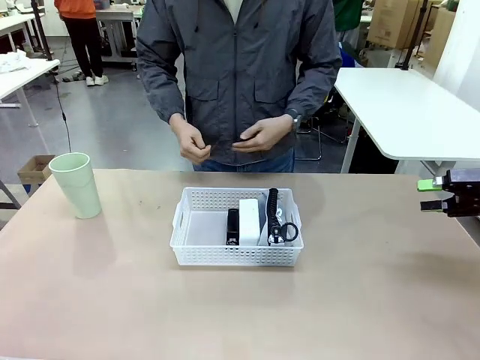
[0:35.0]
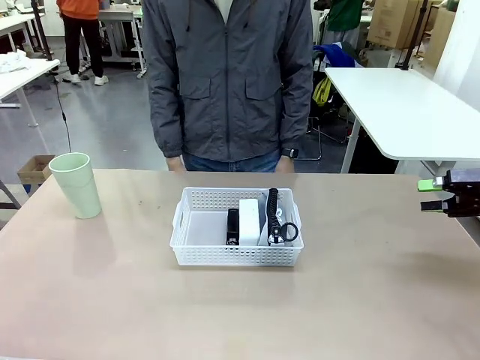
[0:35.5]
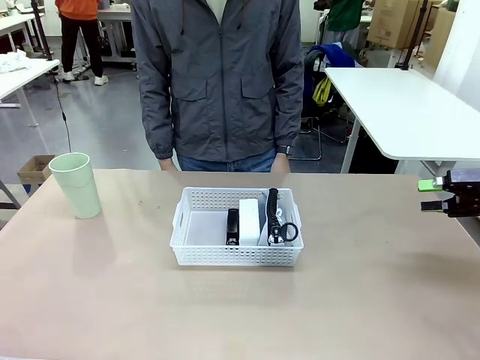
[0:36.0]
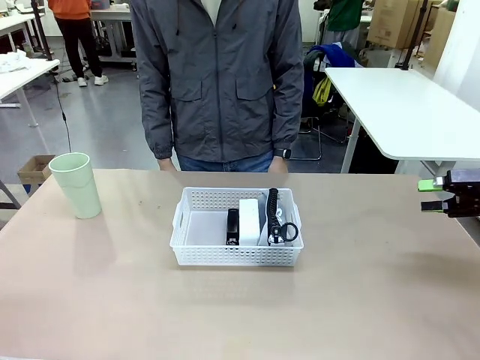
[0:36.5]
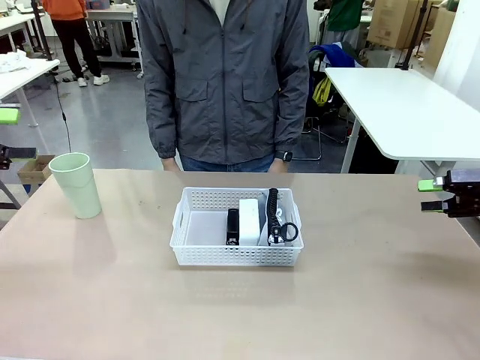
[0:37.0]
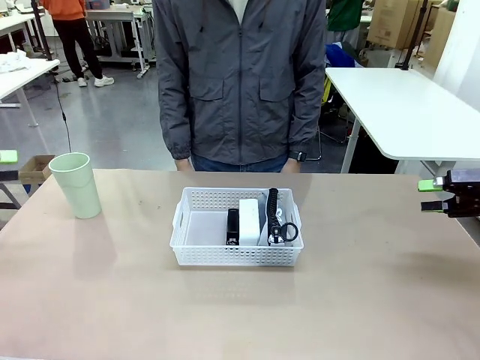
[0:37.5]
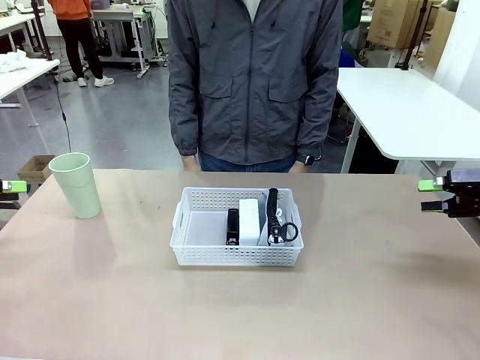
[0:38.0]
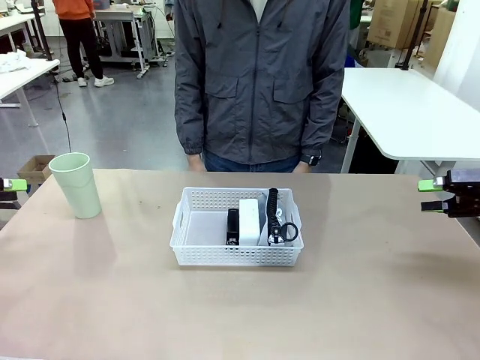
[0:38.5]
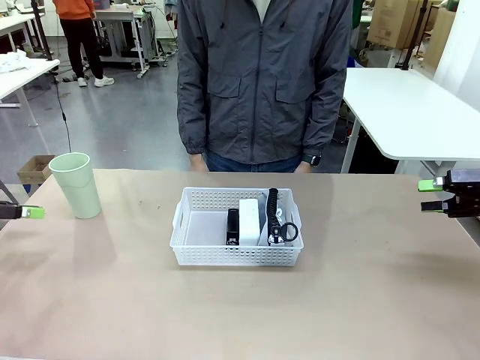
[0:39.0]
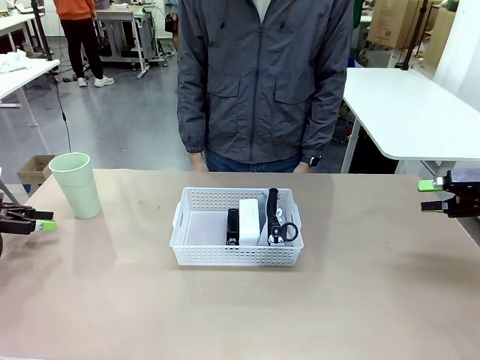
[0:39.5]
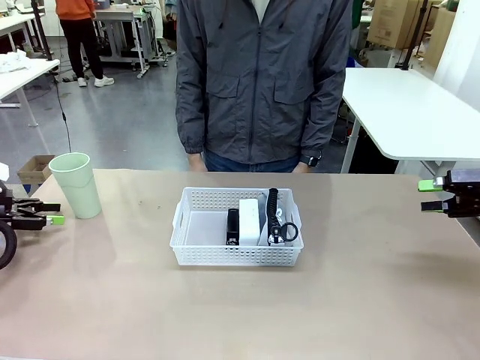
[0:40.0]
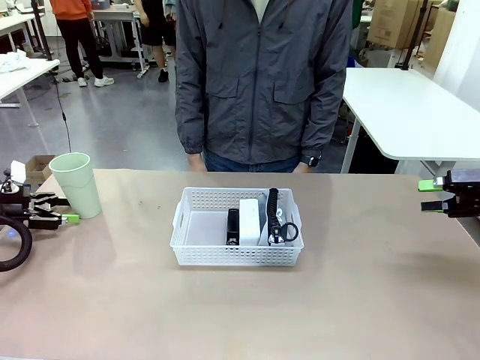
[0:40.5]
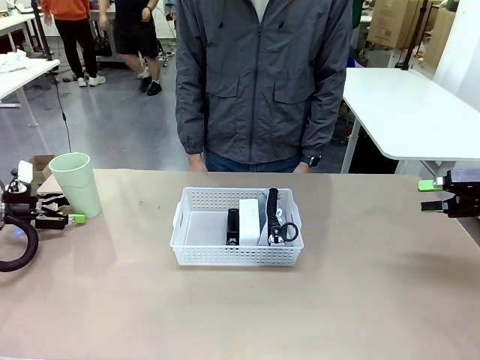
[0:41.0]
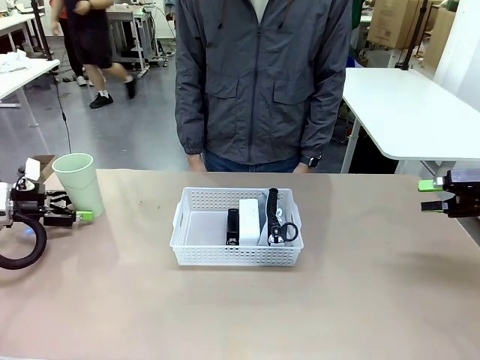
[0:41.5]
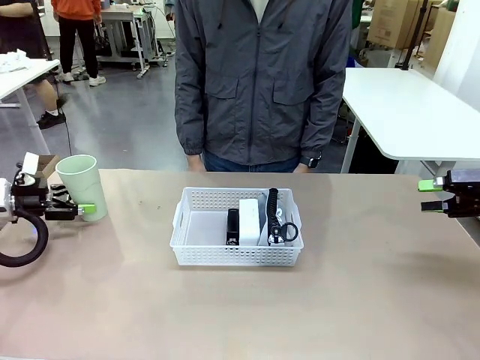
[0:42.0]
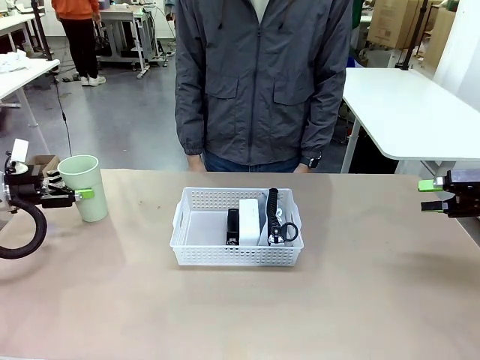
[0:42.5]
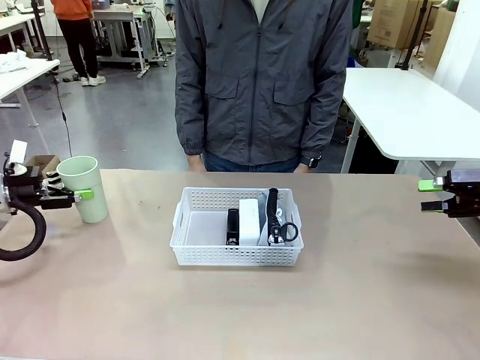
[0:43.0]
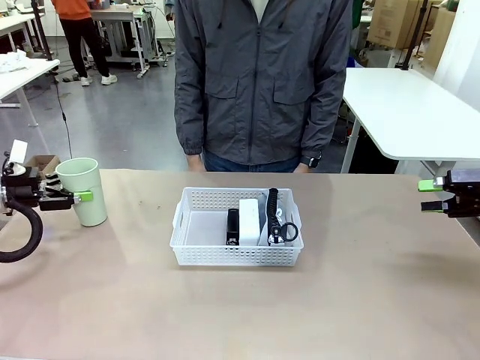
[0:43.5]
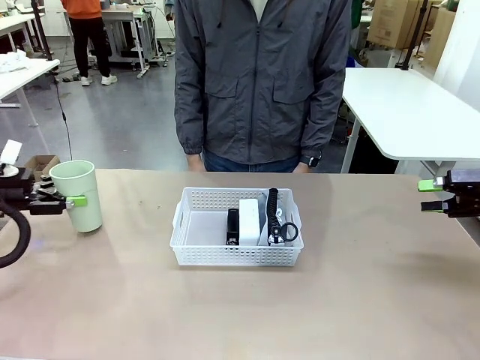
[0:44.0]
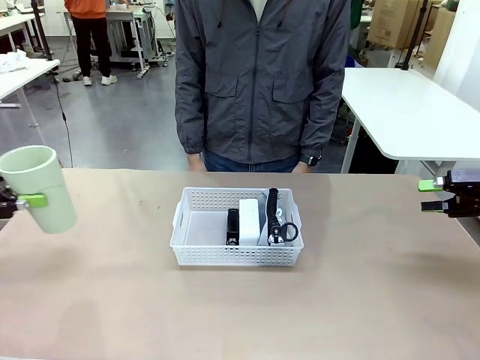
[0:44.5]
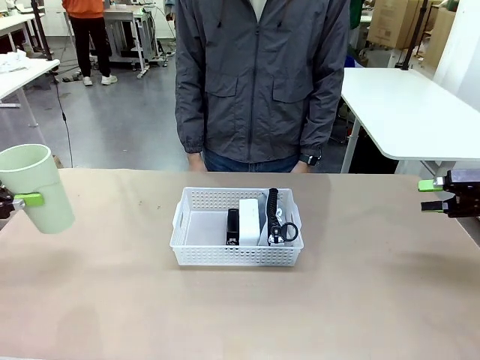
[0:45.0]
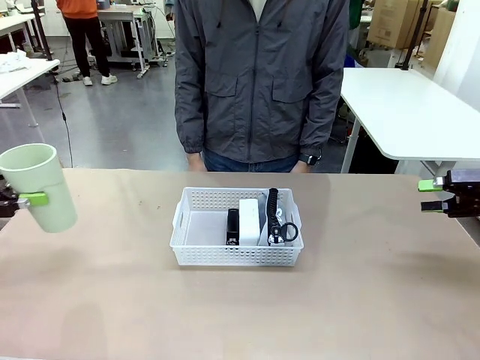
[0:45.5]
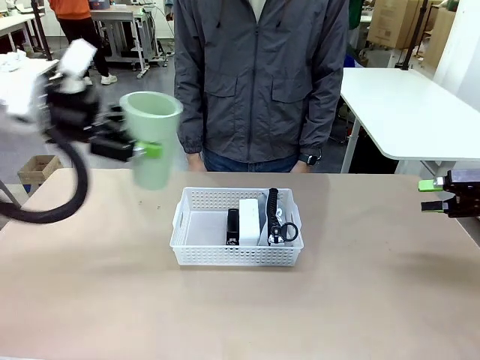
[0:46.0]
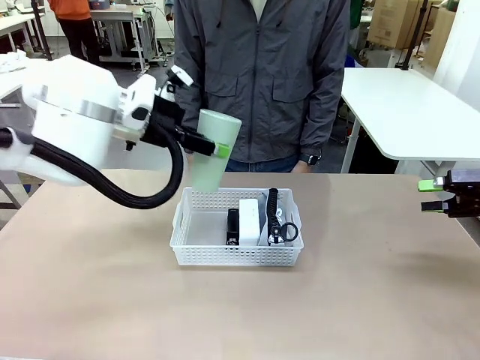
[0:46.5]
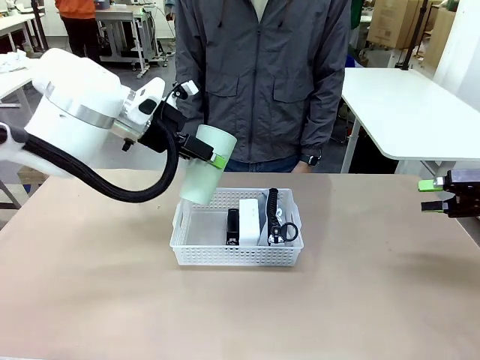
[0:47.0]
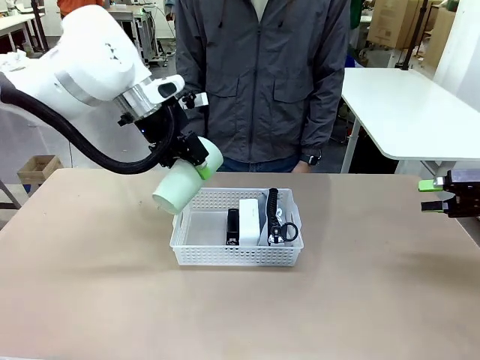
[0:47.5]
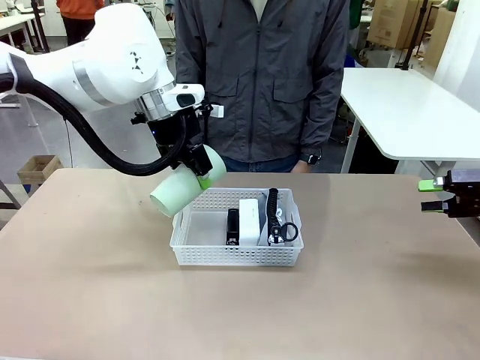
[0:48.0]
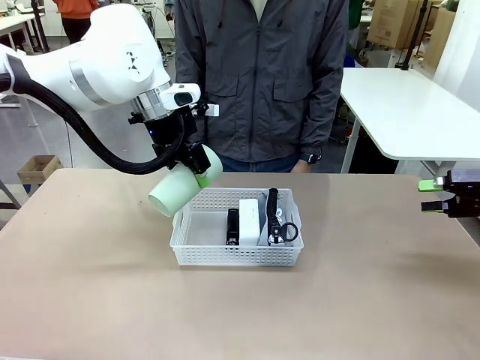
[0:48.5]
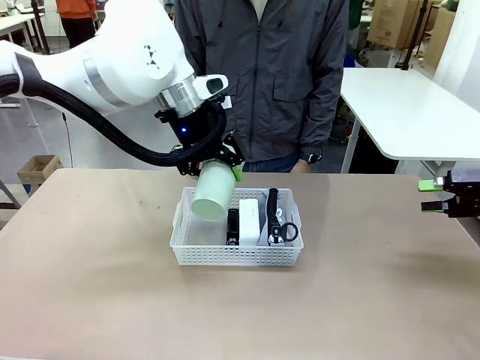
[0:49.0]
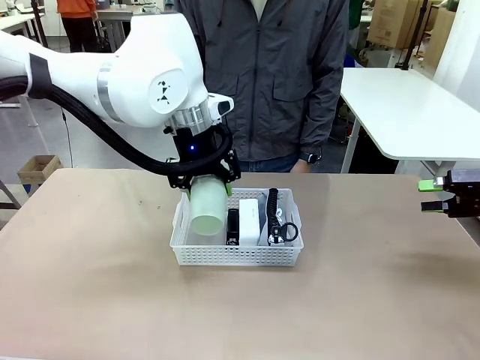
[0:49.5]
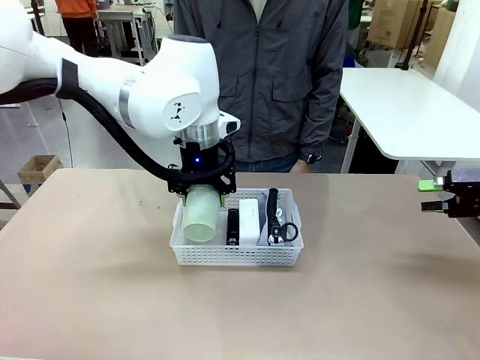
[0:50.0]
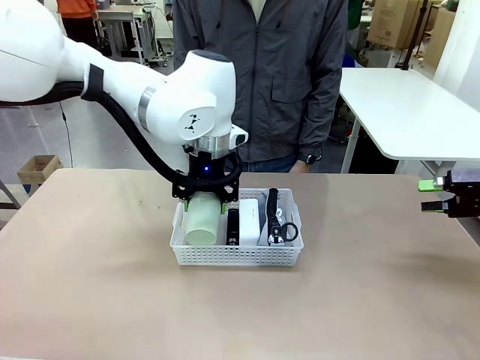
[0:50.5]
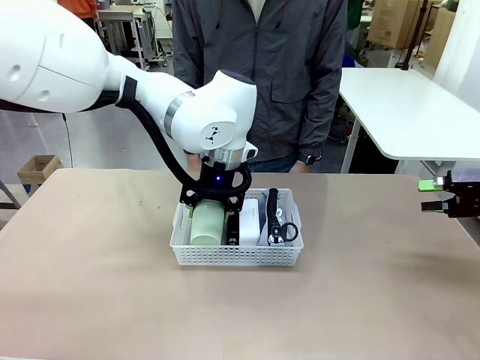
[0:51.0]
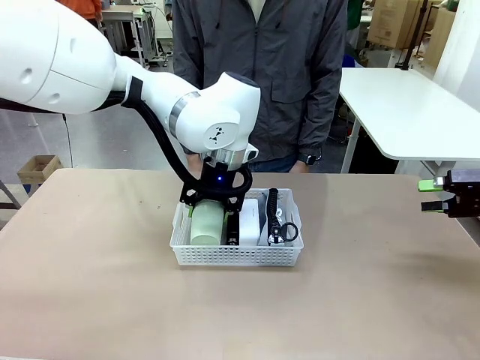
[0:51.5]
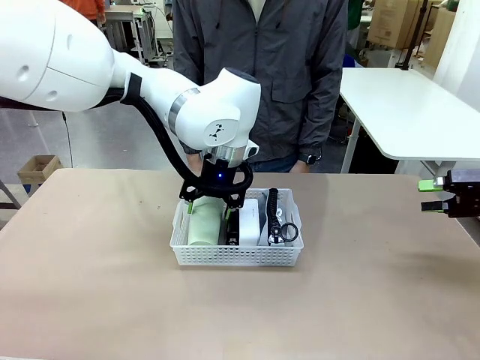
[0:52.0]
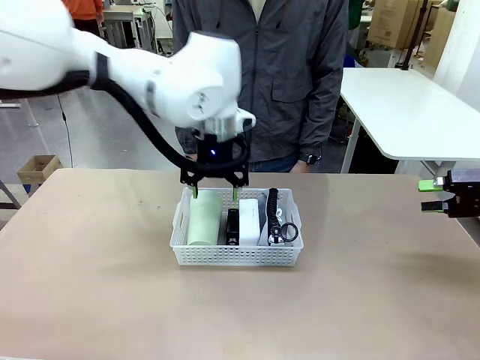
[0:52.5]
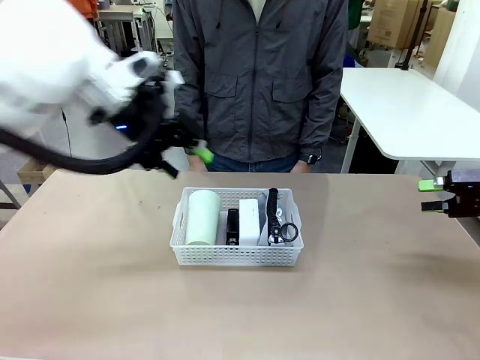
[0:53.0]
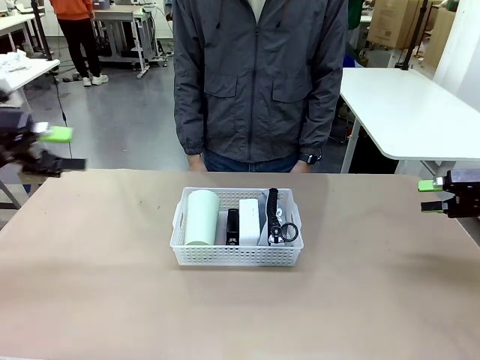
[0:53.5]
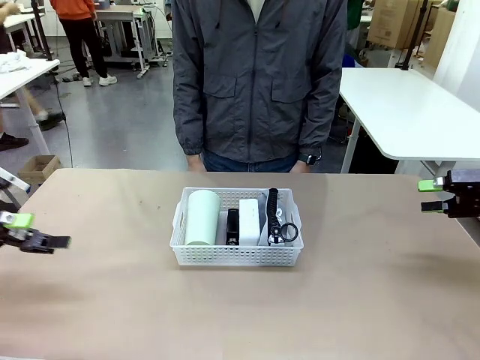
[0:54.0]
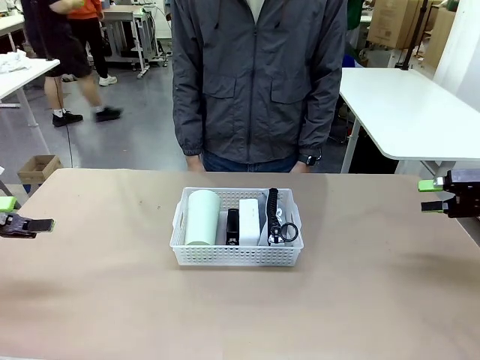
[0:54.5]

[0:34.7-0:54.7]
Task: Efficiently arrange items inside the basket to fit them all.
Robot: Pick up the Reusable plastic cup and place it inside the Organizing basket.
Person: Repositions the stapler.

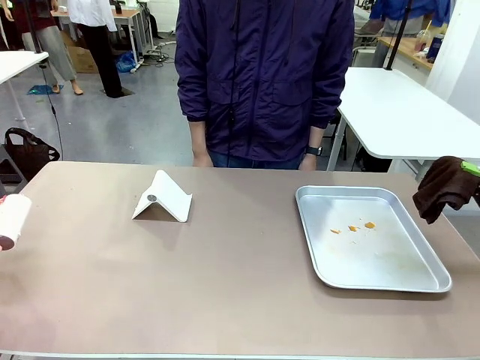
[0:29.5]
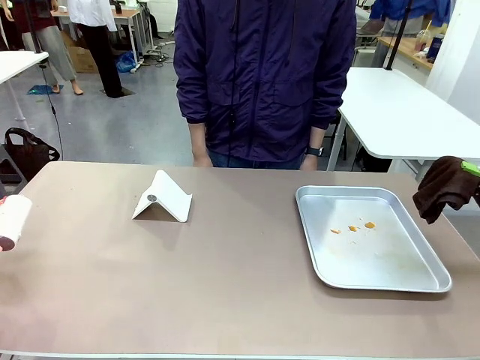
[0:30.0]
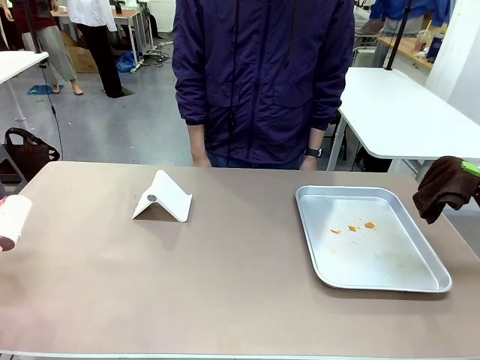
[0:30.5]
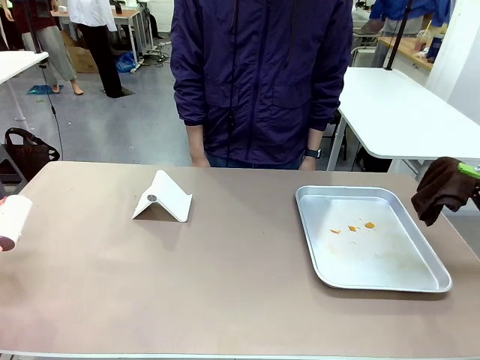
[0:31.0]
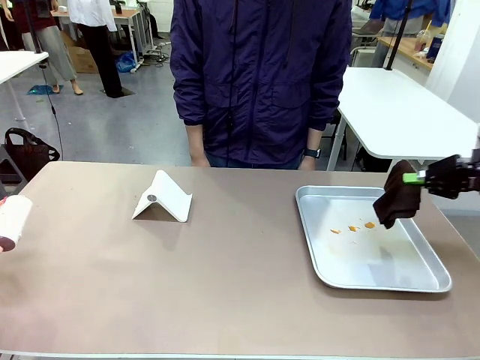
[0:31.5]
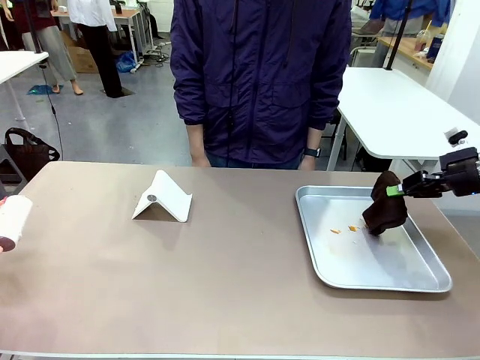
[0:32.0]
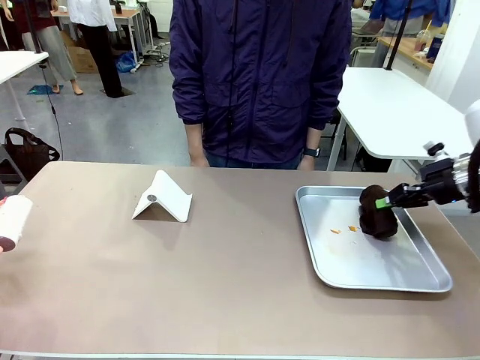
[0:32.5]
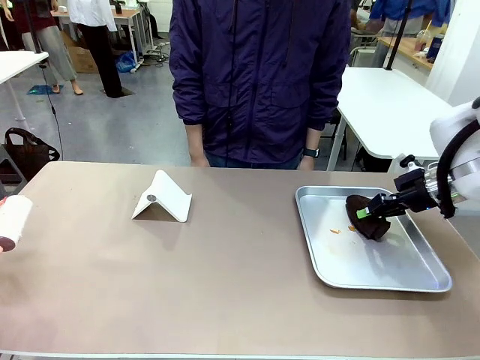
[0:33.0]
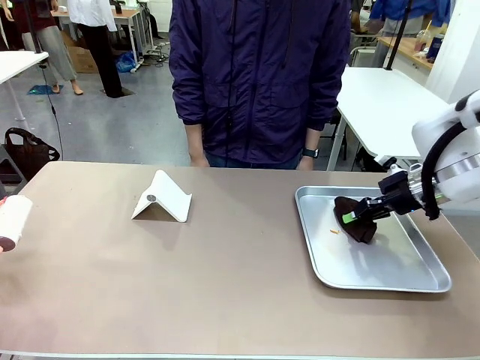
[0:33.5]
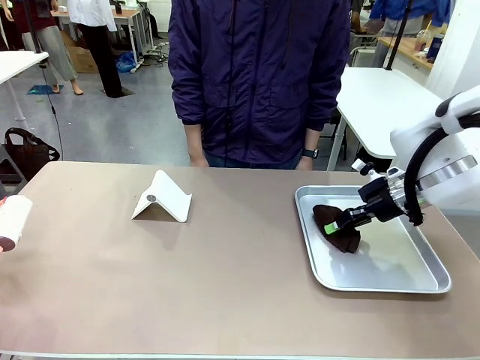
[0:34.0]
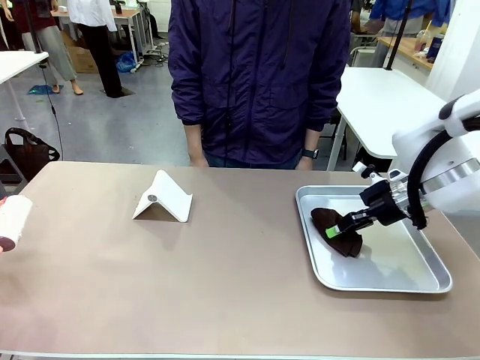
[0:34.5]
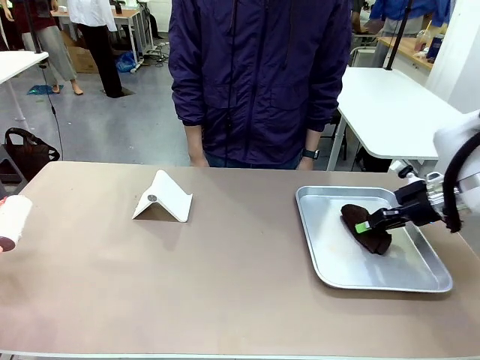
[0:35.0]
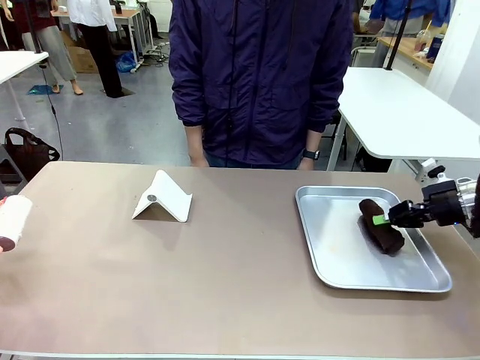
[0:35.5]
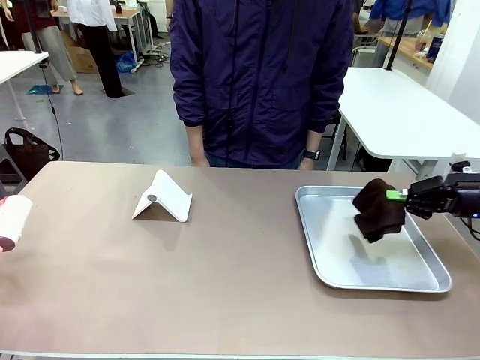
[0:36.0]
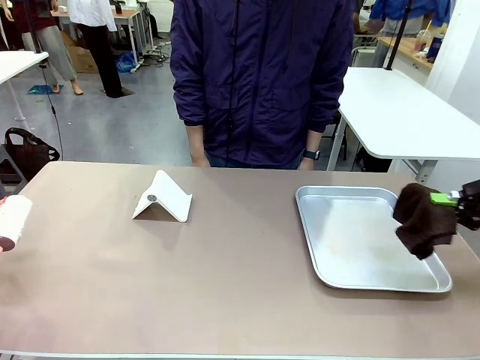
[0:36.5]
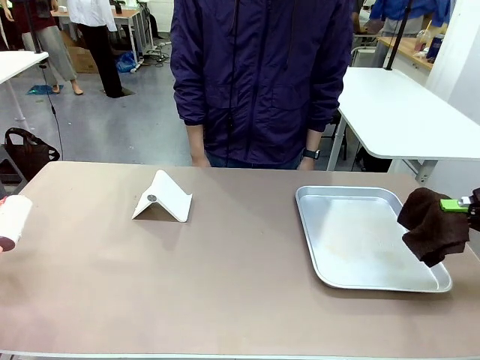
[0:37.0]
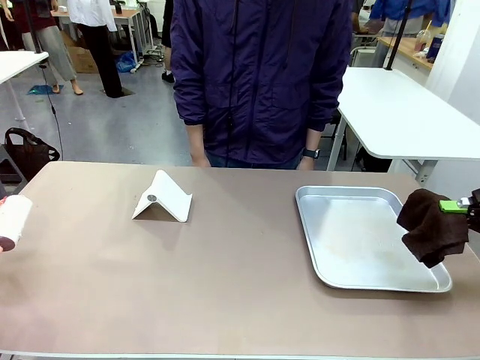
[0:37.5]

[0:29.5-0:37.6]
Task: Clean the surface of the table.
Robot: Clean the area not pointed to by the person.
